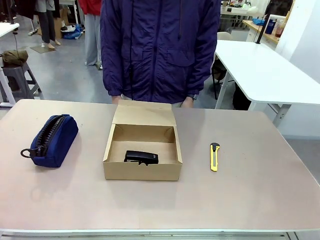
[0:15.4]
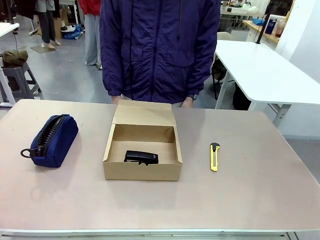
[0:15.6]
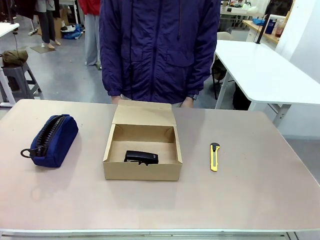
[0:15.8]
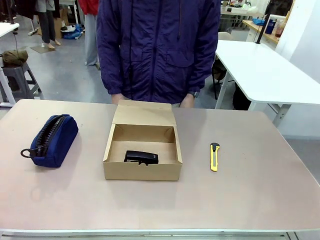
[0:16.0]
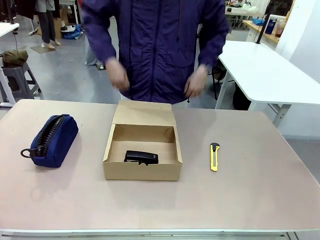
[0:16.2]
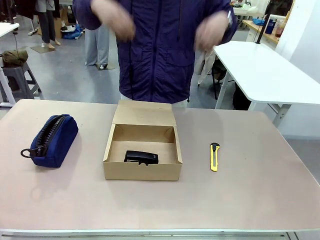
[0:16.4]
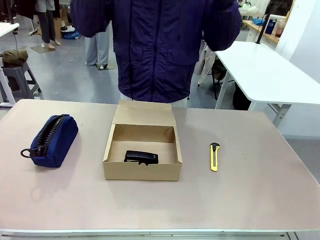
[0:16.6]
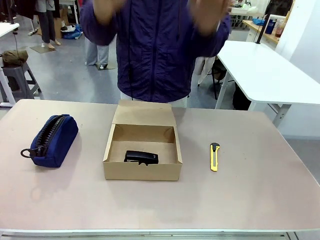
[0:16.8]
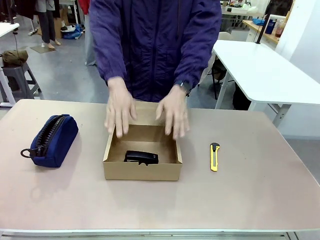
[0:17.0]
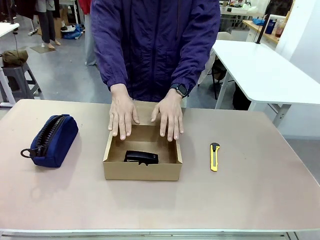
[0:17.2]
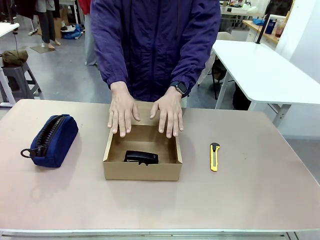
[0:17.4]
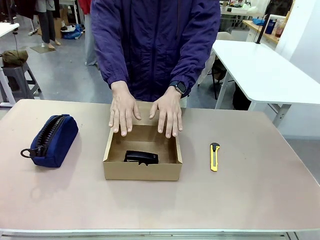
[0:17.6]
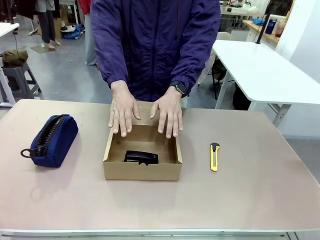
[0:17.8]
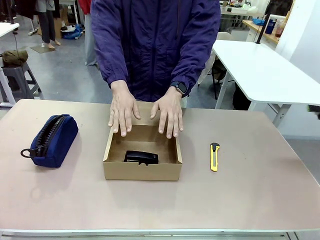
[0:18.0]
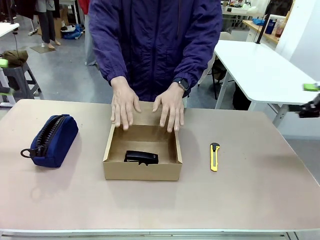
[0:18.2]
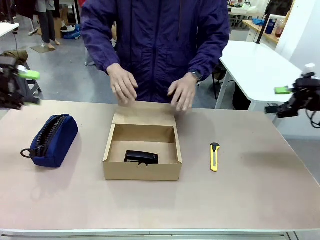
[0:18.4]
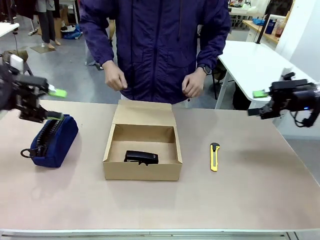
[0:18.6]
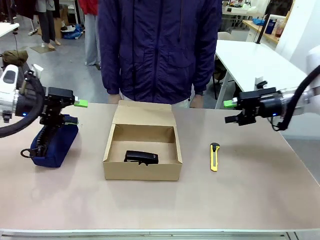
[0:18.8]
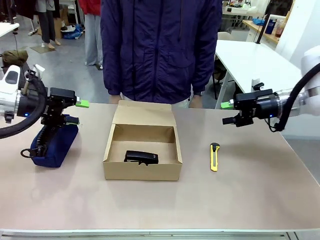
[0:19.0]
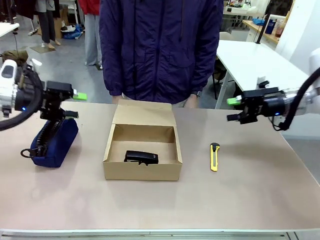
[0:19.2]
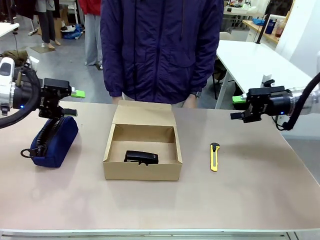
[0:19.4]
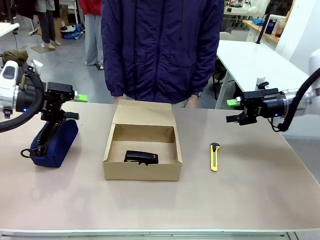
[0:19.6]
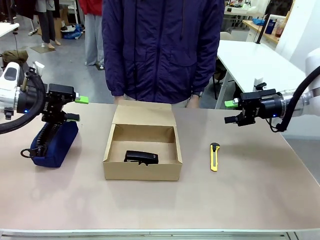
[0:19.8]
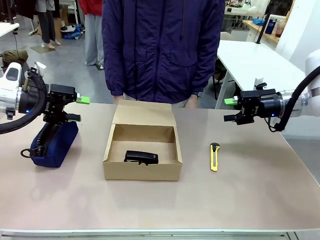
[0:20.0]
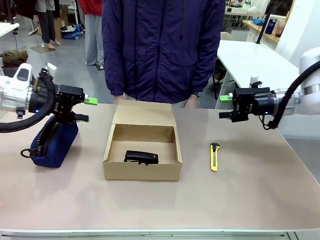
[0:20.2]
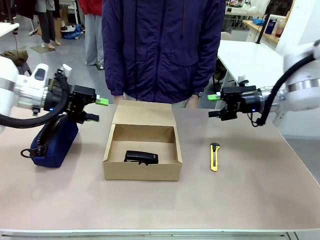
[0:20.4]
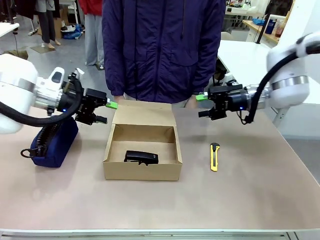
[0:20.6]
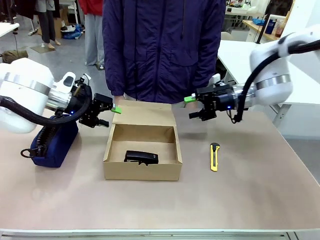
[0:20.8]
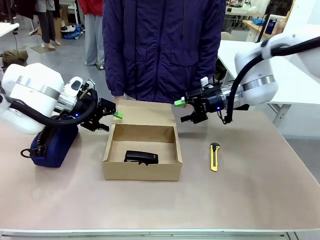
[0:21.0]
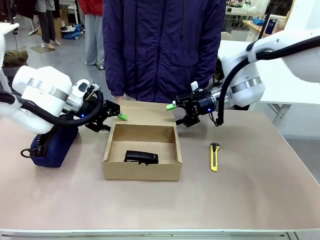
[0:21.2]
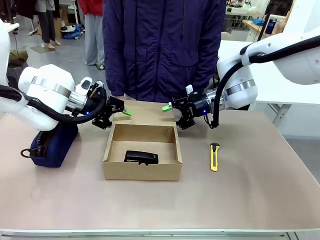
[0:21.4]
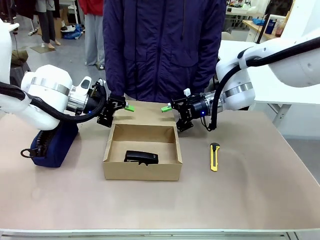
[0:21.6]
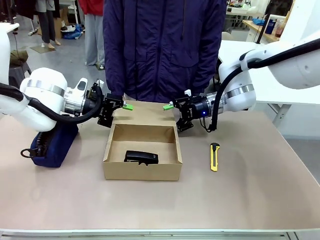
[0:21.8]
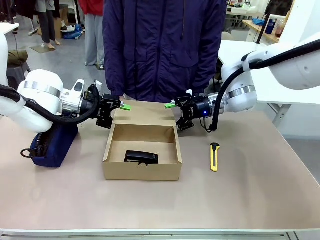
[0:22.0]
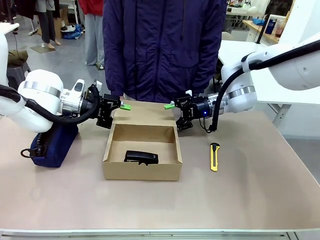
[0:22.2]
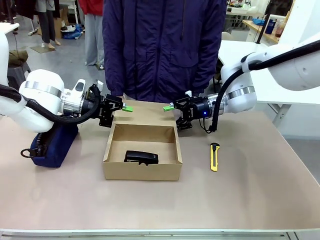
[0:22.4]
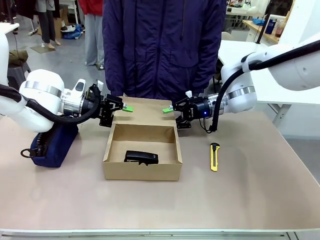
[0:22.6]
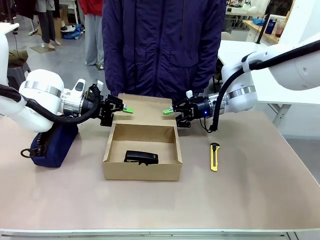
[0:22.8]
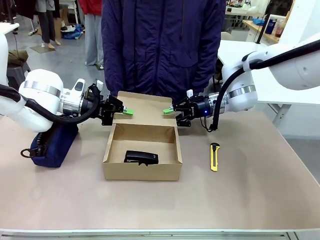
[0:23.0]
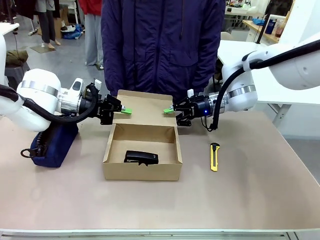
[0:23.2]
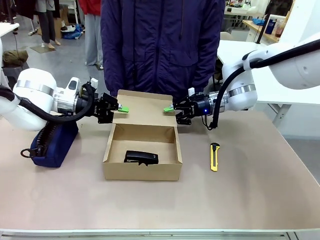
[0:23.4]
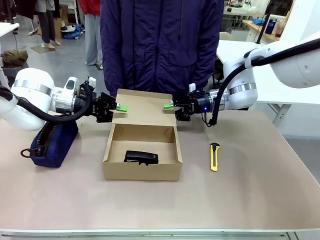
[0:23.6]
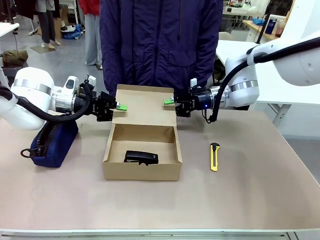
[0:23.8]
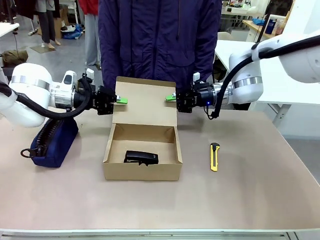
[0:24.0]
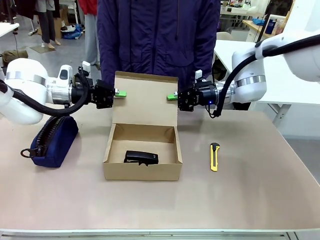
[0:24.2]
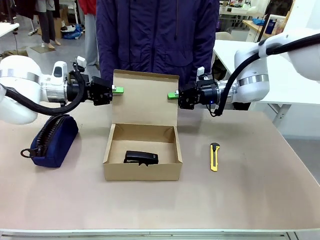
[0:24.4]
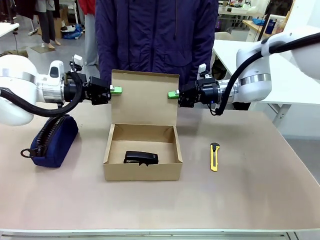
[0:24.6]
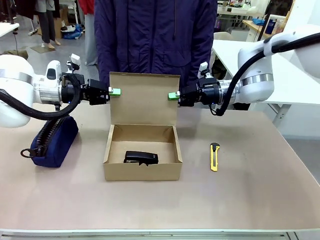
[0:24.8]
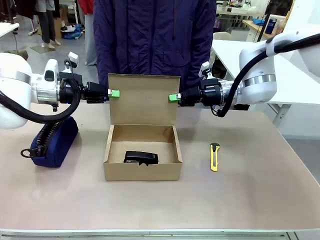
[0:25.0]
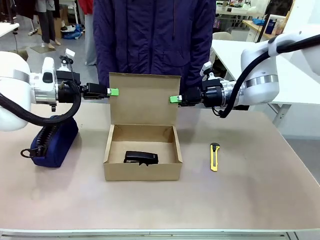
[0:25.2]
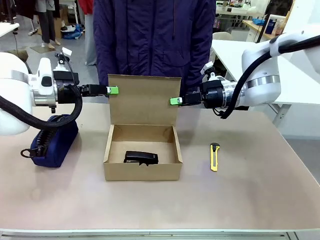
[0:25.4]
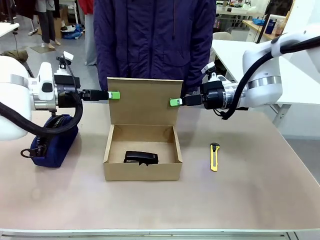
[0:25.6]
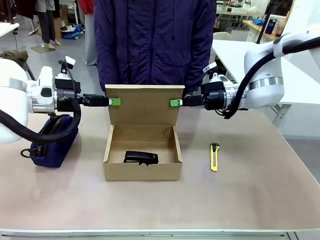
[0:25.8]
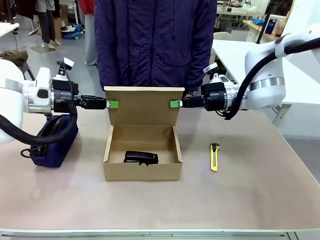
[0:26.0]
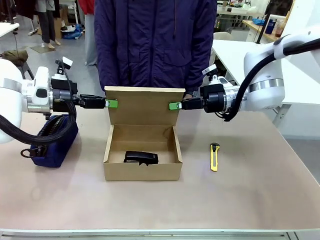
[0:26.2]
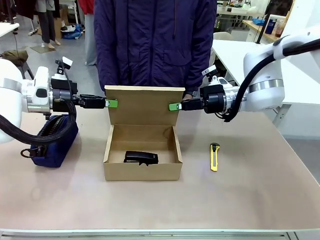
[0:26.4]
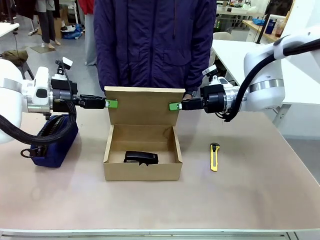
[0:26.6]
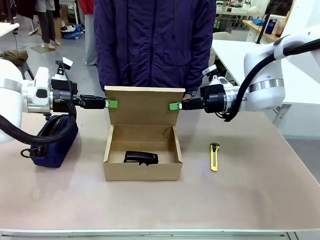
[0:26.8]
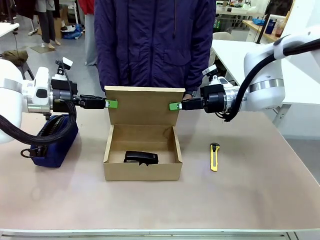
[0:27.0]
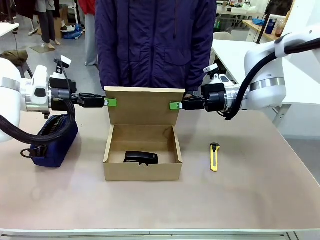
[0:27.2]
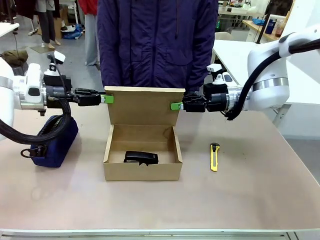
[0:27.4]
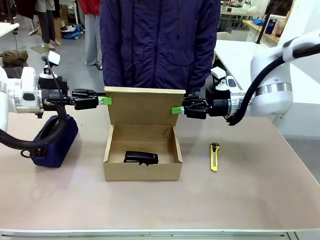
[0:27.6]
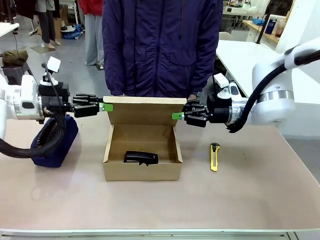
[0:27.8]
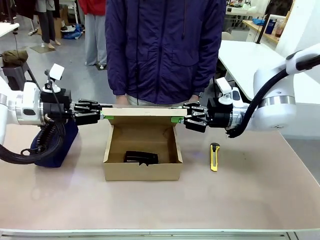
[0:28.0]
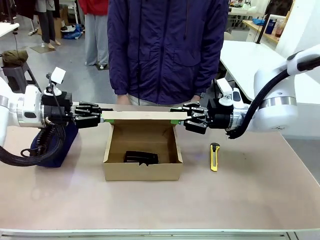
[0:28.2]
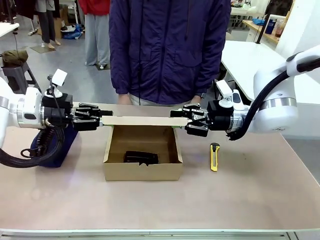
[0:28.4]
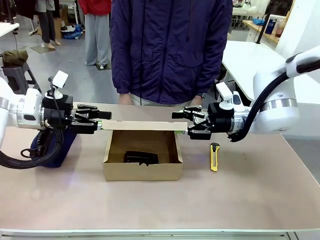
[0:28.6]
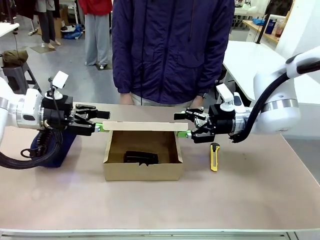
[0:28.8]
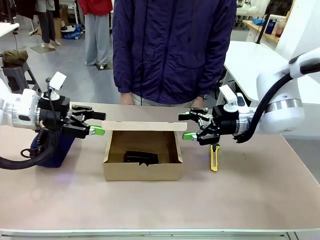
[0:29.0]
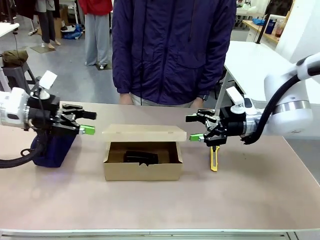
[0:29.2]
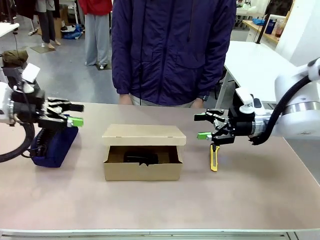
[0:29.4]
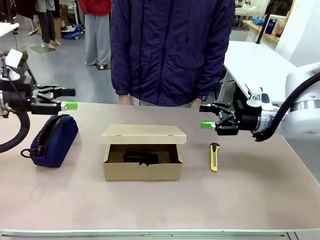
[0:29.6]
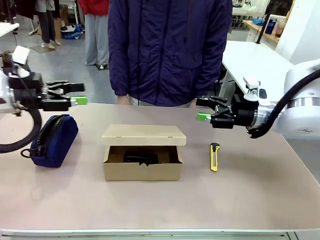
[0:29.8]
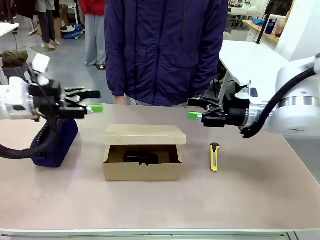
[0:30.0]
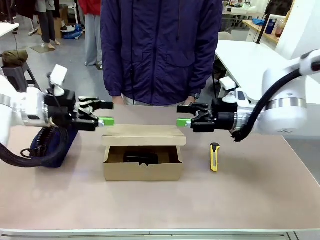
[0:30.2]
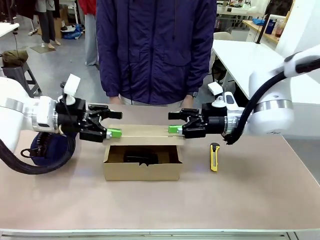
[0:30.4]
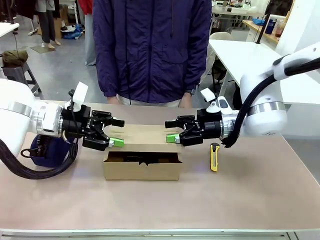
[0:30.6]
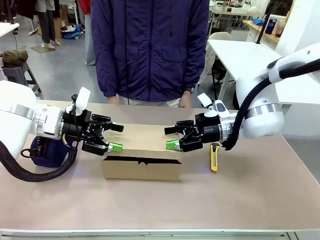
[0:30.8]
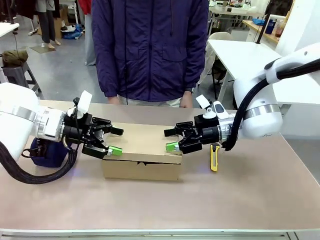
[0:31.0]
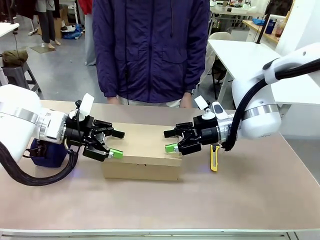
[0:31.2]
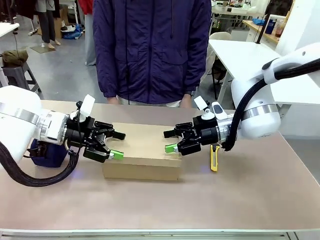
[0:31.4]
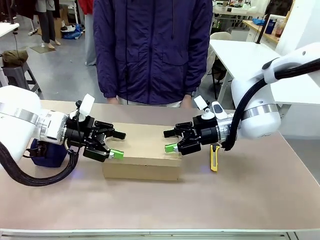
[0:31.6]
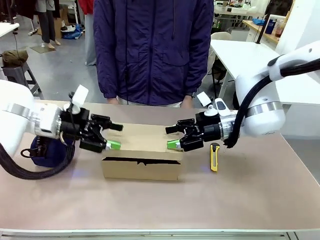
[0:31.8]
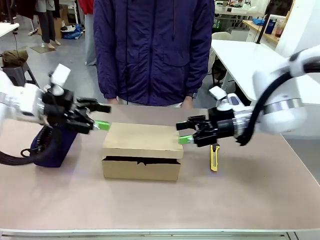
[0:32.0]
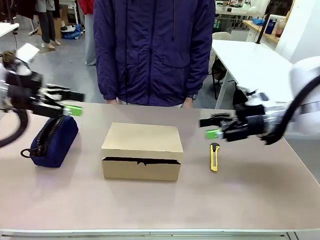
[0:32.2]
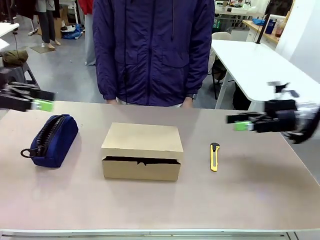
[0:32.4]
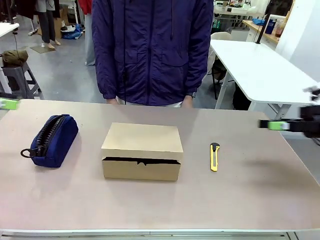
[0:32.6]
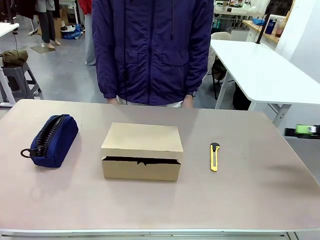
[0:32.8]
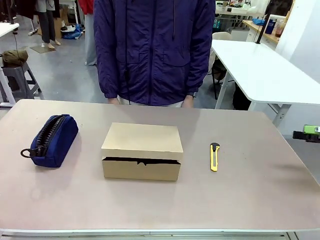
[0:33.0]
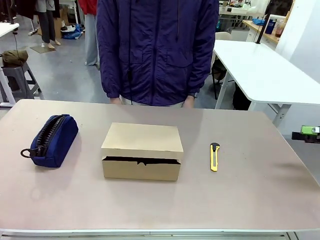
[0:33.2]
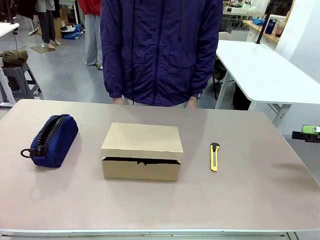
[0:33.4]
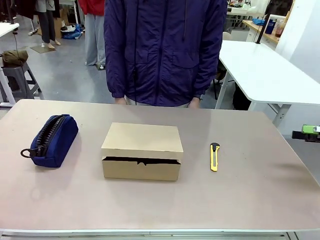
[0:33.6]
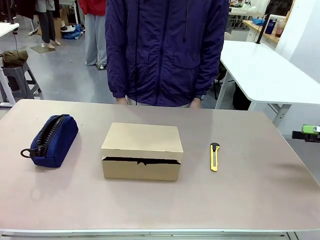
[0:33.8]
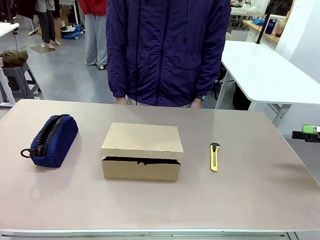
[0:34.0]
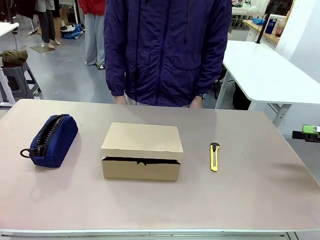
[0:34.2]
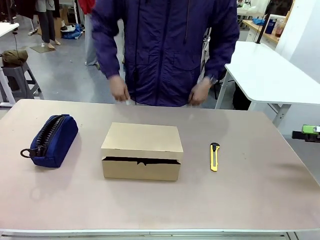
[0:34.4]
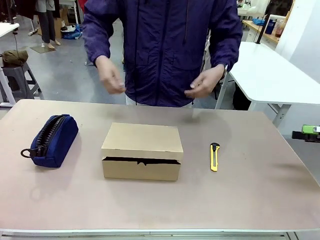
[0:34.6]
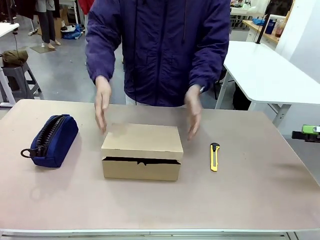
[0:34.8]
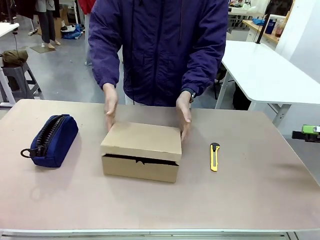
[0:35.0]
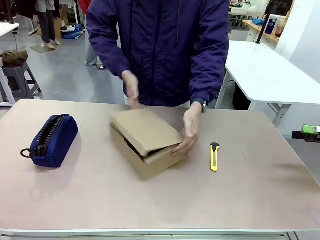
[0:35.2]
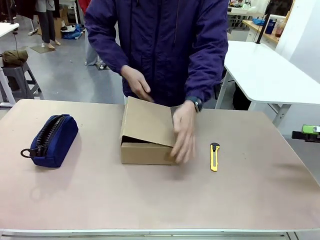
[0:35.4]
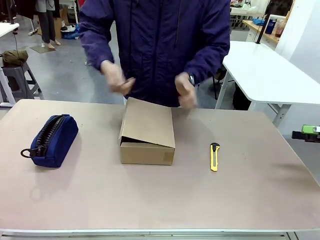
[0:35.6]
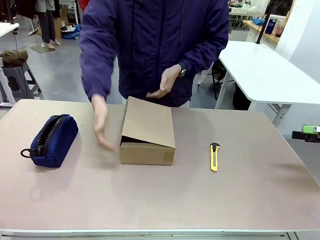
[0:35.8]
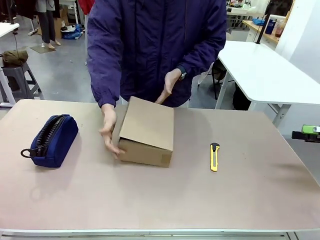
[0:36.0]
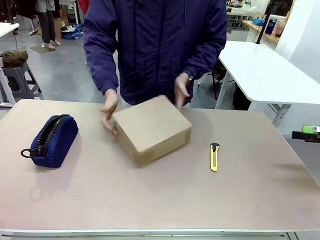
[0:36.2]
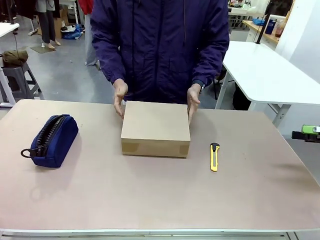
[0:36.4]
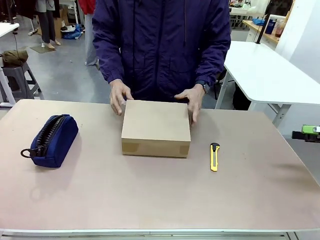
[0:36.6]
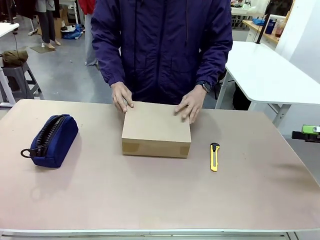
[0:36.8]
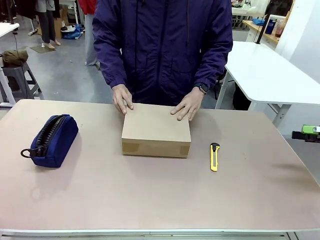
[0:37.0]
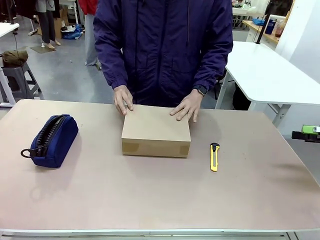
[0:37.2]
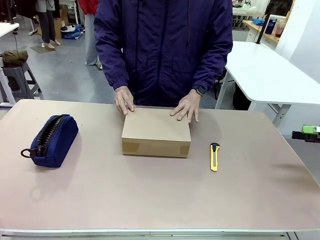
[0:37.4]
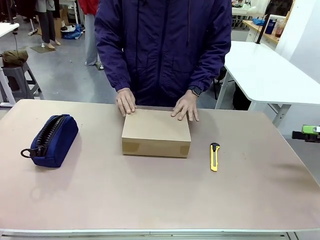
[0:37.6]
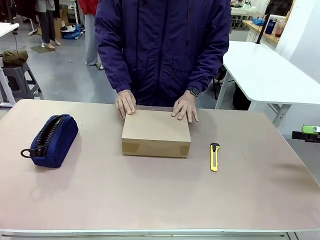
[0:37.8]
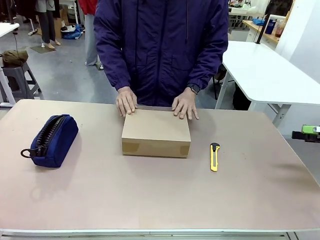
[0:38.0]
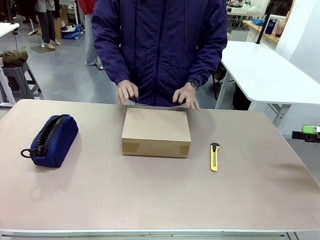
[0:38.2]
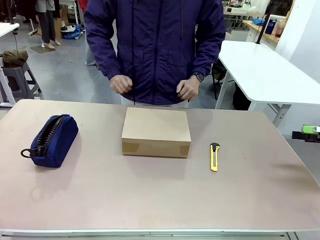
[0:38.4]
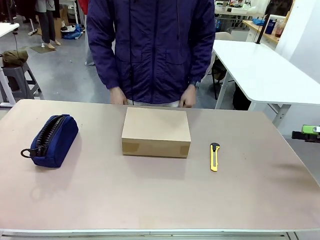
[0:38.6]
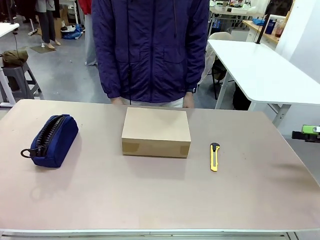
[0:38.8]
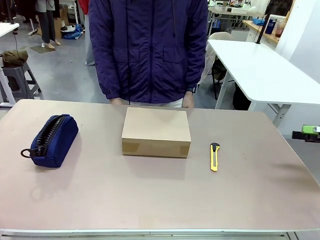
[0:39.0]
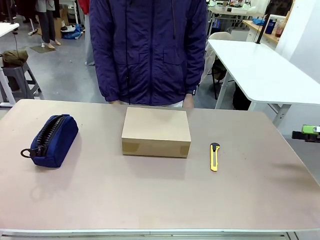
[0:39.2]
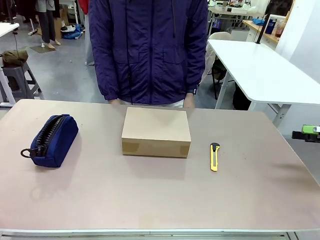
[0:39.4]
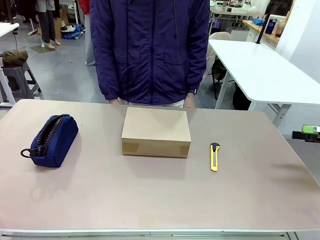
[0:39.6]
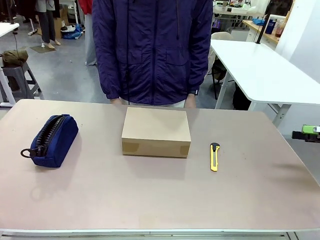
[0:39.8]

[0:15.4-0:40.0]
Task: Pack the item into the box.
Robot: Close the Mailer Box.
Person: Lower both hands vertically with palms facing downward, as if pressing something closed. Turn the box and lock it.
